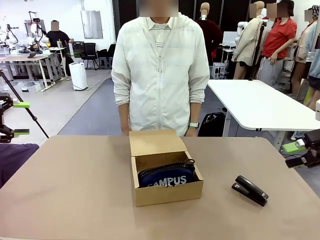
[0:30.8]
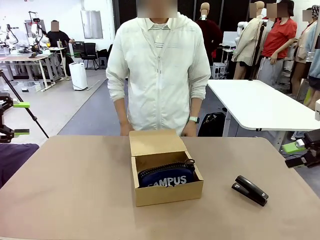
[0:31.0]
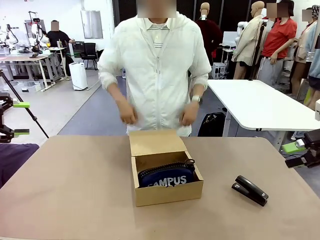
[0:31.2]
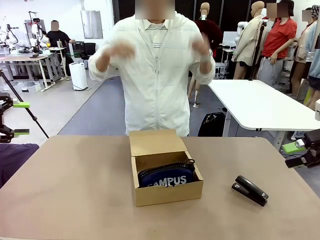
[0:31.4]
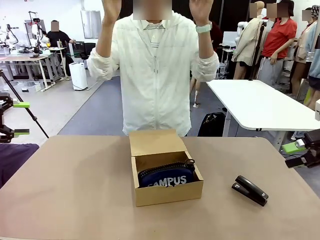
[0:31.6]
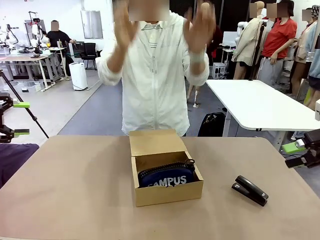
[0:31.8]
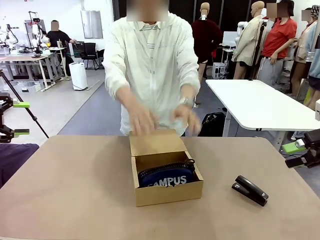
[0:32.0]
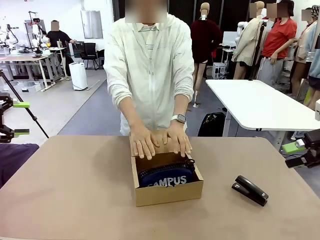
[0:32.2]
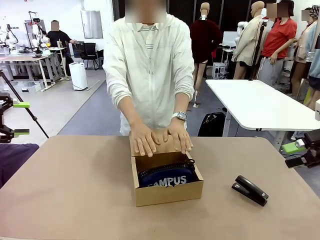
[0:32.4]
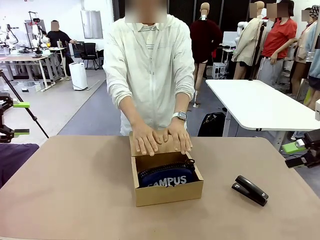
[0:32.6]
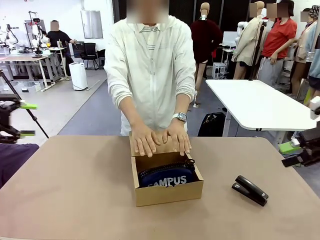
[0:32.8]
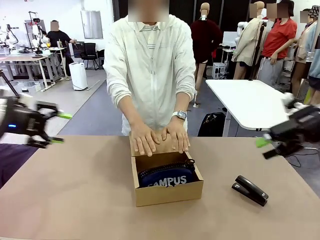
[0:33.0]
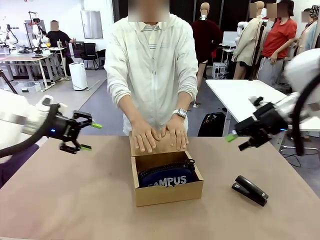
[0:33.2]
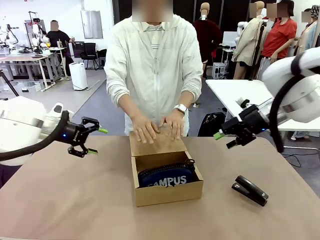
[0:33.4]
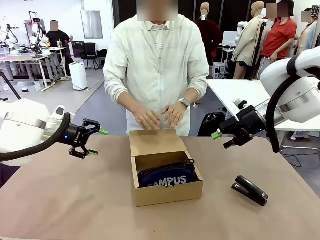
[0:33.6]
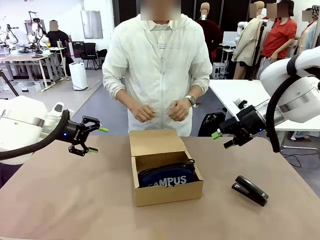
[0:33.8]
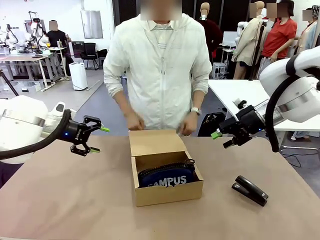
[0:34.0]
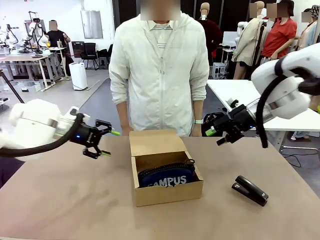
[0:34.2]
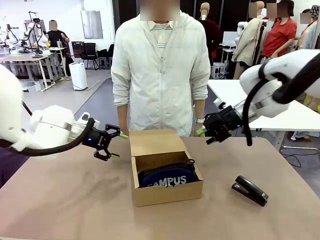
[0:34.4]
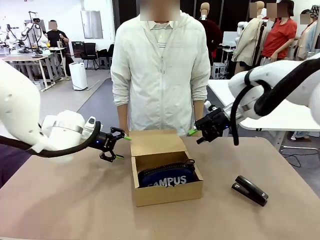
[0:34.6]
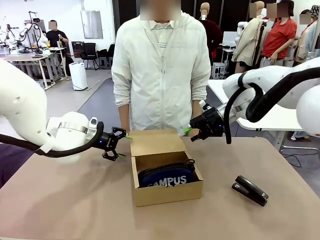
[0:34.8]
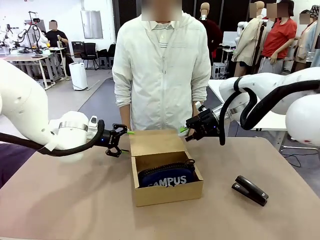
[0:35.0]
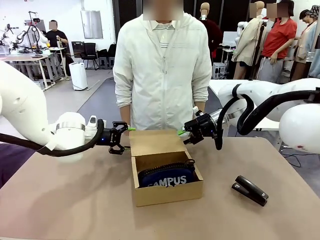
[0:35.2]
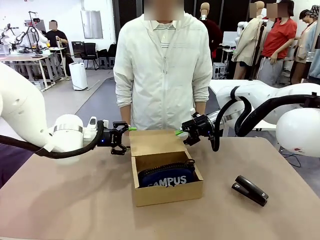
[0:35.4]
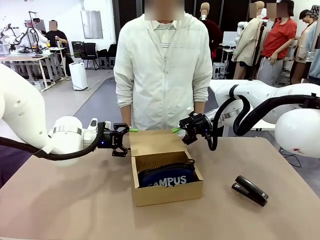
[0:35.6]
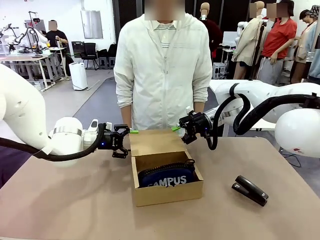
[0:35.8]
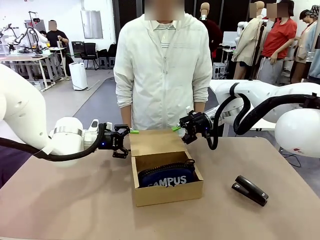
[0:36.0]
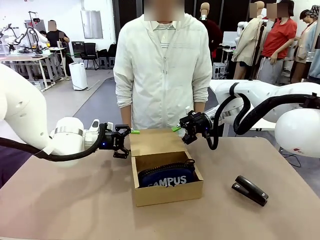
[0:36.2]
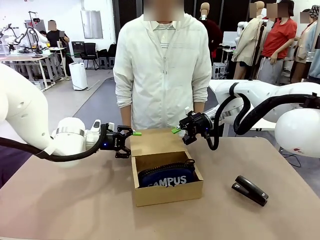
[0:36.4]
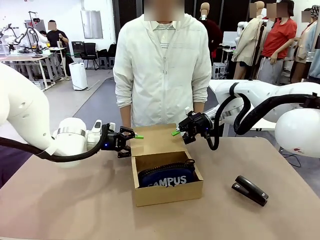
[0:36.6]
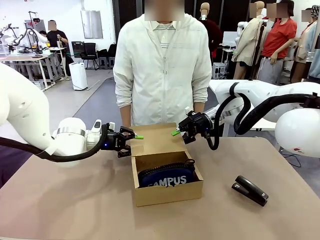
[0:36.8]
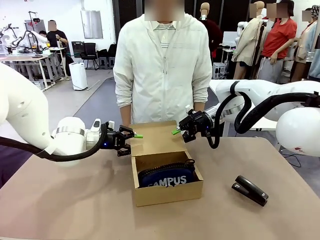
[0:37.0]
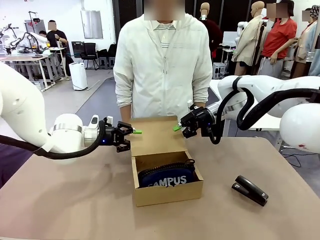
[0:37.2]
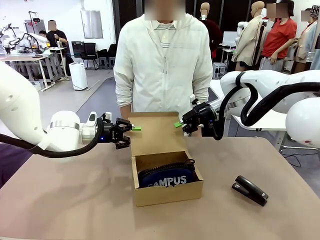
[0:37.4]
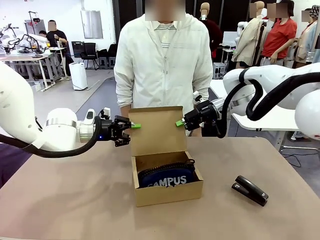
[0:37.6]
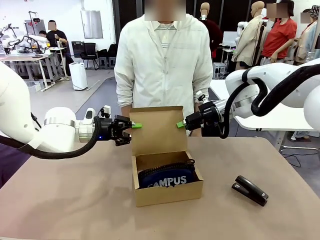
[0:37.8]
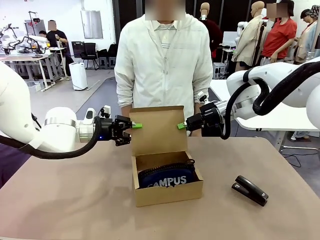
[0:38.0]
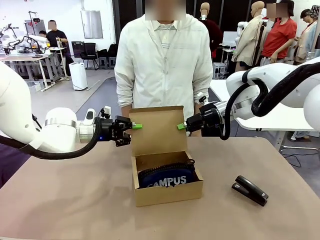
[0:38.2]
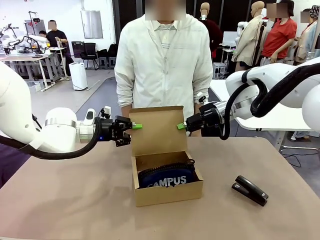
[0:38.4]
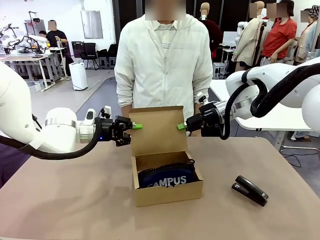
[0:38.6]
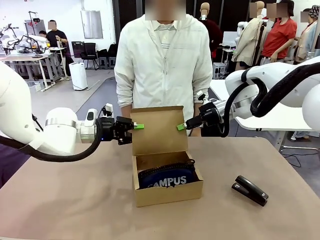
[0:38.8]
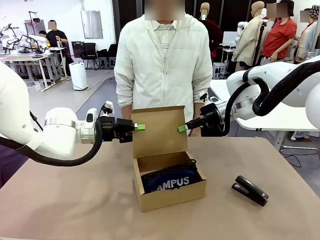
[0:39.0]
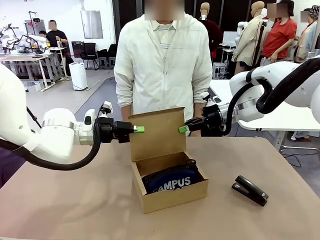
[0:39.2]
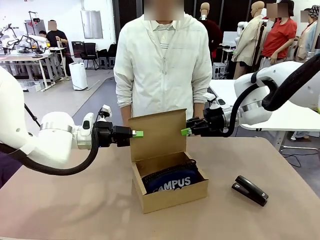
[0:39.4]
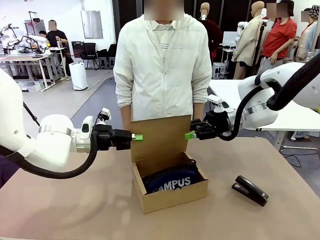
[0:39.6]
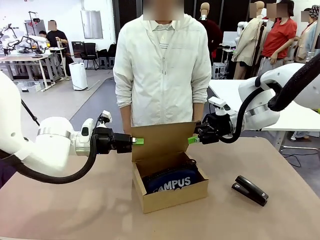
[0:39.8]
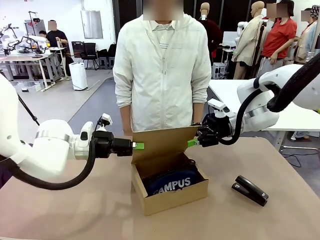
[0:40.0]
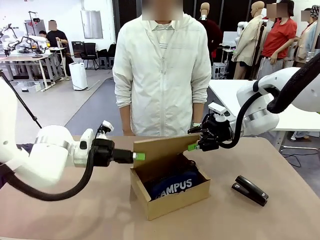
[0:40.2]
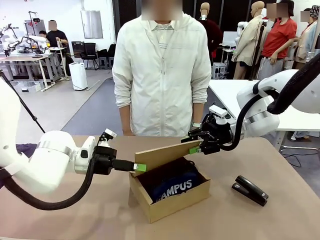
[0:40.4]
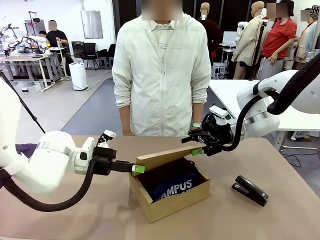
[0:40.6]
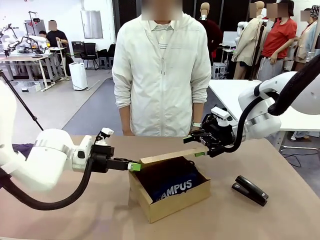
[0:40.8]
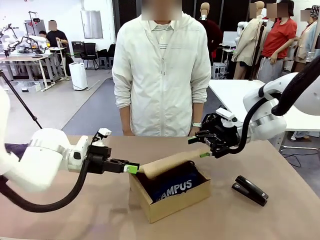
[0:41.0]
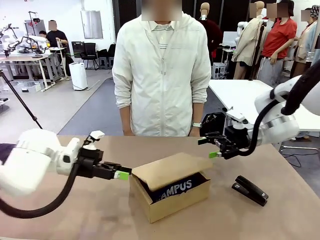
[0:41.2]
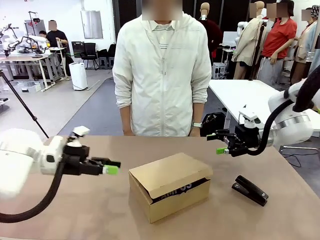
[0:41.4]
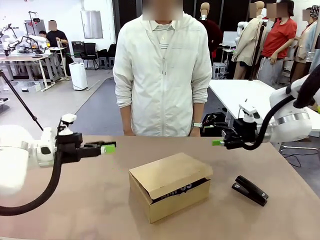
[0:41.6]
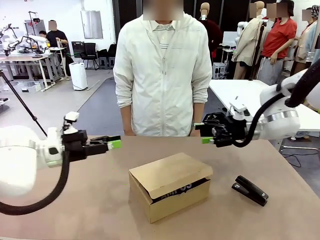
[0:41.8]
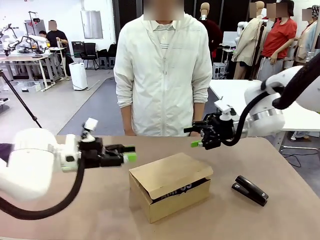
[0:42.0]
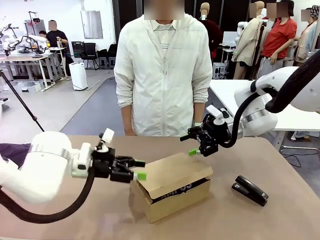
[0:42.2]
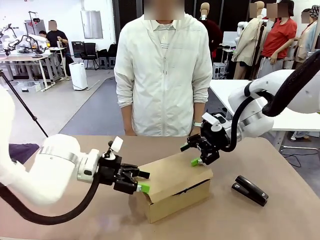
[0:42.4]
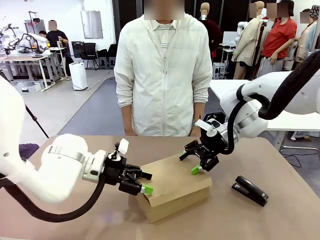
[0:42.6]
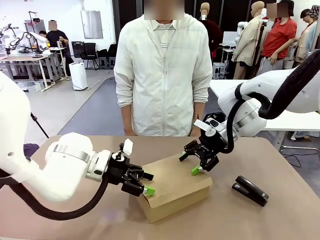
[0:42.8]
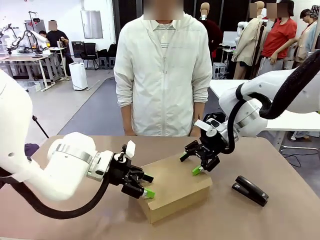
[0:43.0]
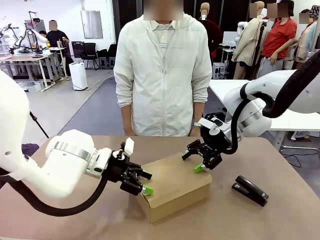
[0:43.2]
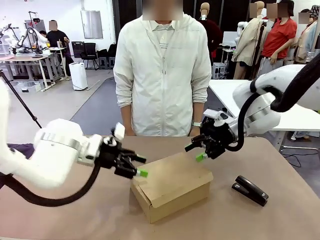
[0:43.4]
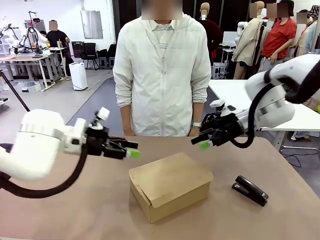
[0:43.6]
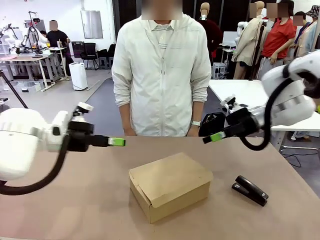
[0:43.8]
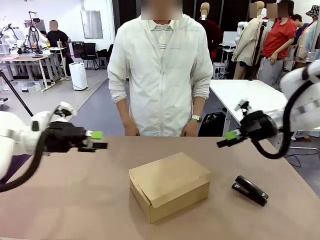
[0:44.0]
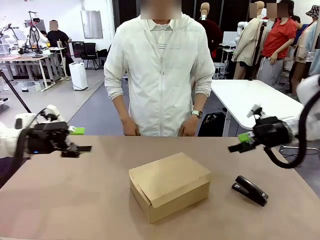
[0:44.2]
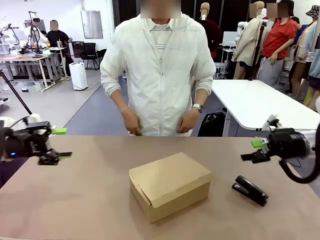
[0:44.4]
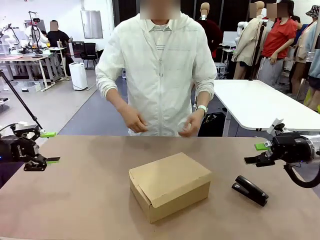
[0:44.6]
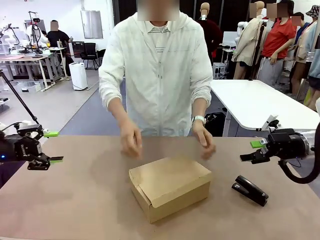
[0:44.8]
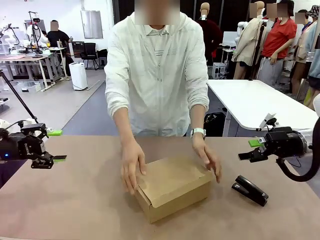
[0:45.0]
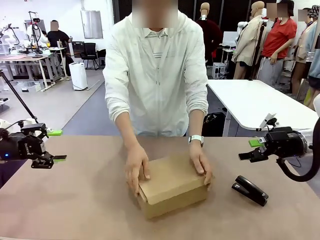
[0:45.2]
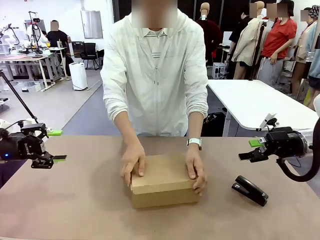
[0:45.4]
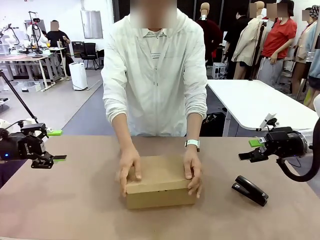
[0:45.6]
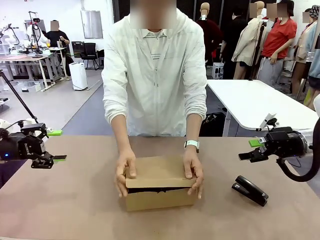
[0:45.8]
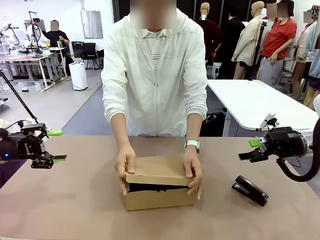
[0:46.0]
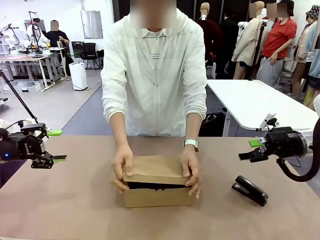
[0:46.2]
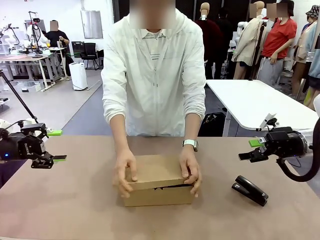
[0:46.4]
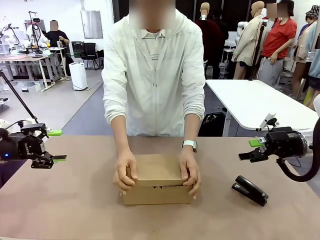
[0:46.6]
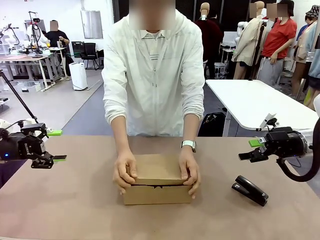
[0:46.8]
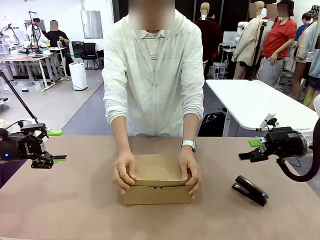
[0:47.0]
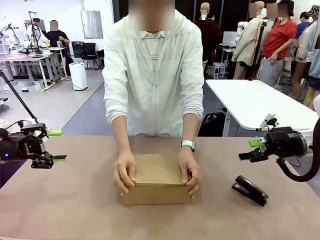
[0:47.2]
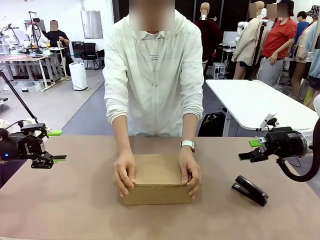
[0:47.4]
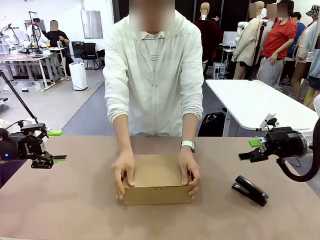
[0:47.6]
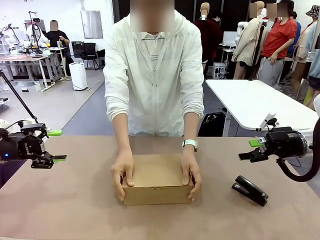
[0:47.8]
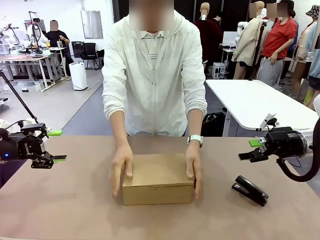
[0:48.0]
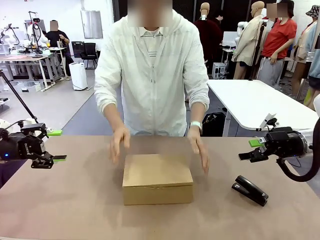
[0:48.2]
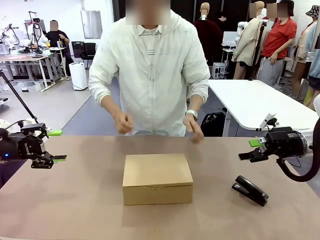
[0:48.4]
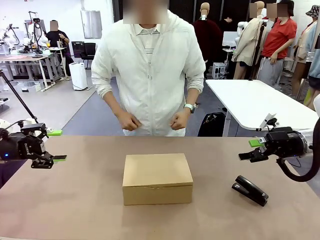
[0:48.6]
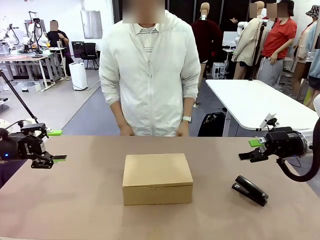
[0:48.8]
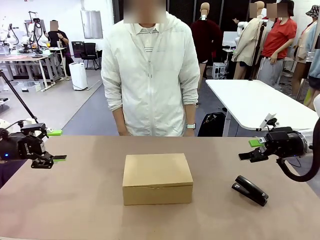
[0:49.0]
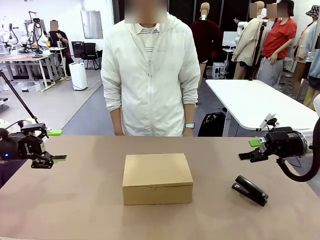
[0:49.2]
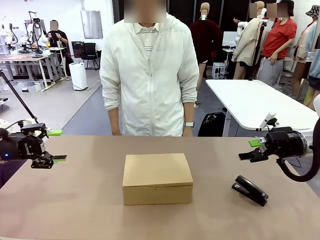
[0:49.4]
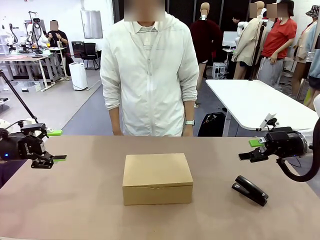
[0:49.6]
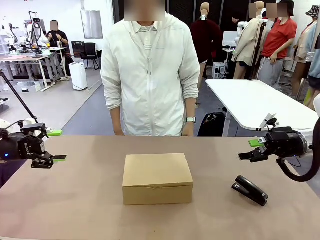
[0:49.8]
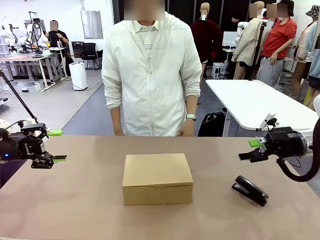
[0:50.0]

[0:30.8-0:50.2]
Task: Pack the items into the box.
Robot: Close the Mailer Box.
Person: Turn the box and lock it.
